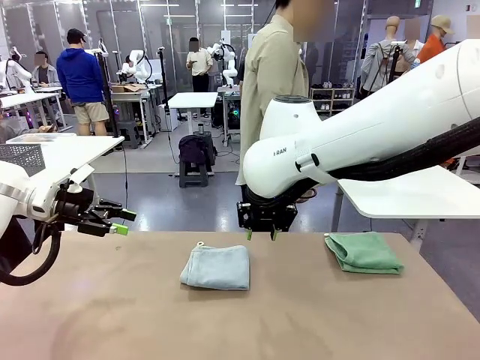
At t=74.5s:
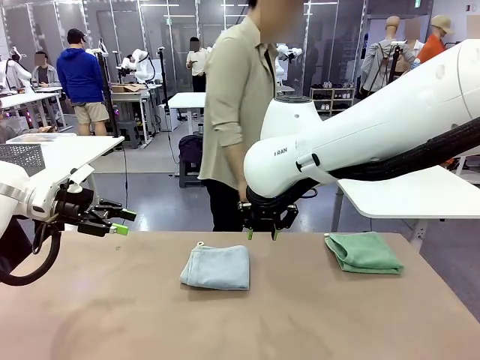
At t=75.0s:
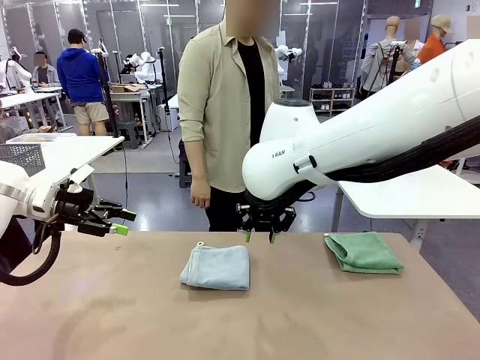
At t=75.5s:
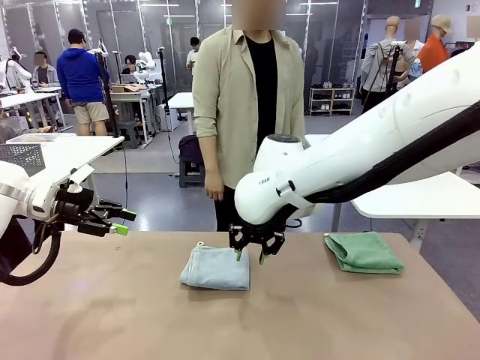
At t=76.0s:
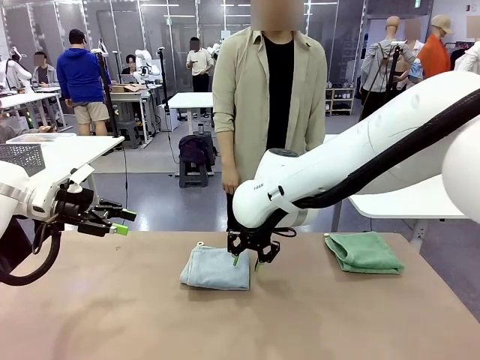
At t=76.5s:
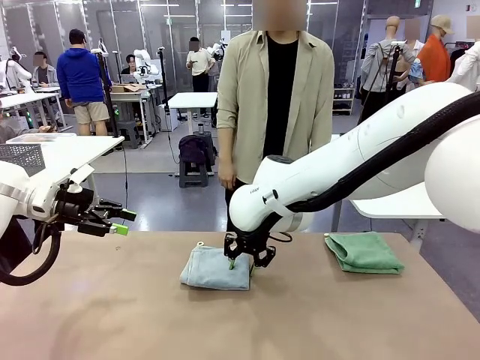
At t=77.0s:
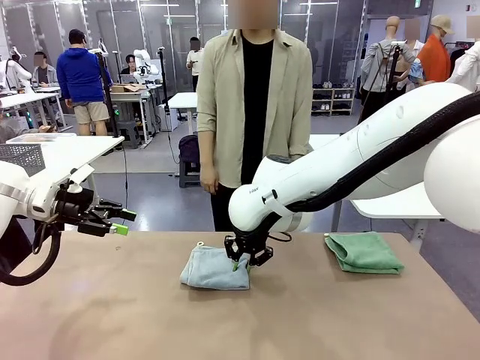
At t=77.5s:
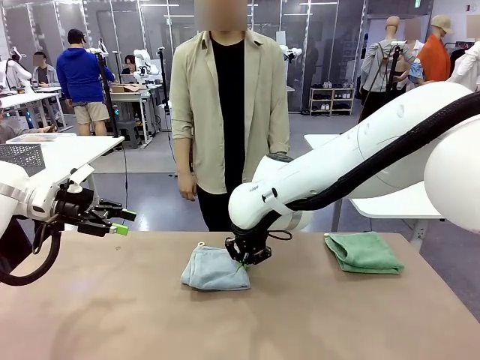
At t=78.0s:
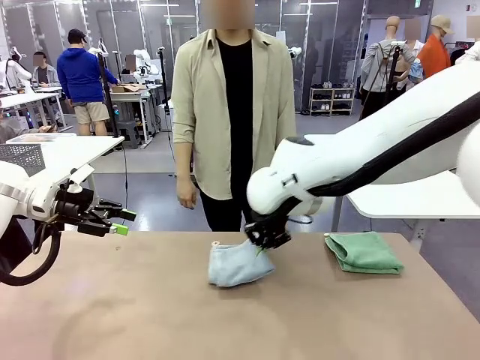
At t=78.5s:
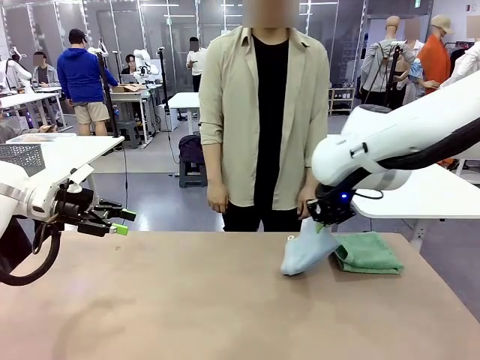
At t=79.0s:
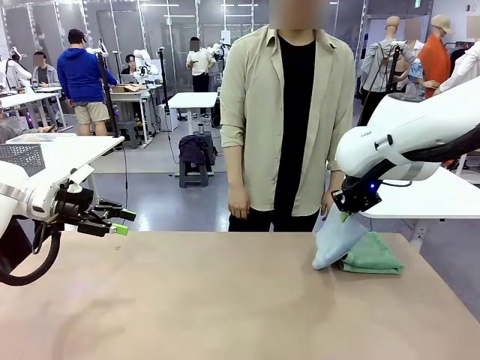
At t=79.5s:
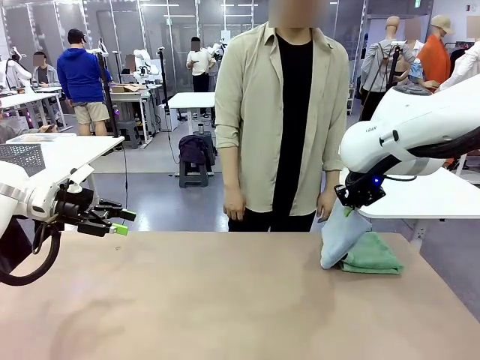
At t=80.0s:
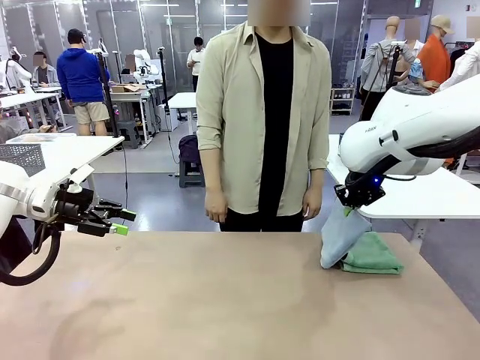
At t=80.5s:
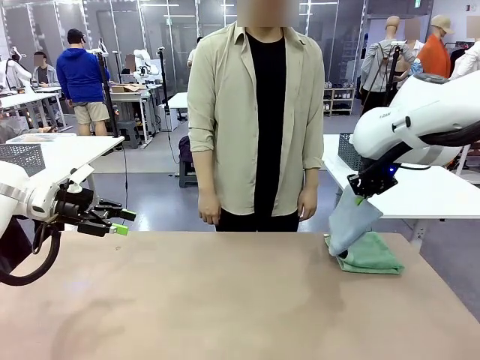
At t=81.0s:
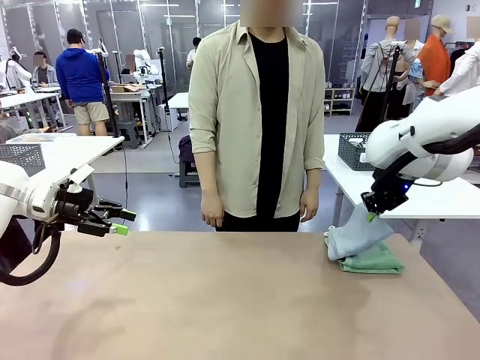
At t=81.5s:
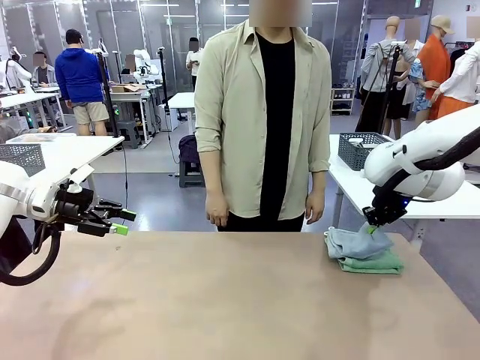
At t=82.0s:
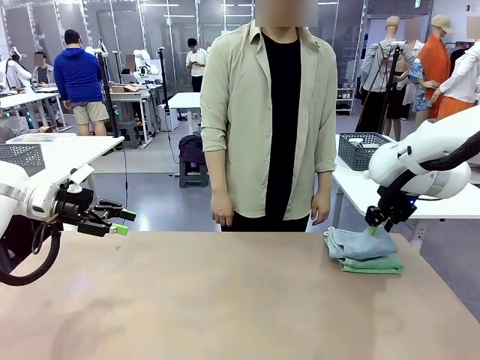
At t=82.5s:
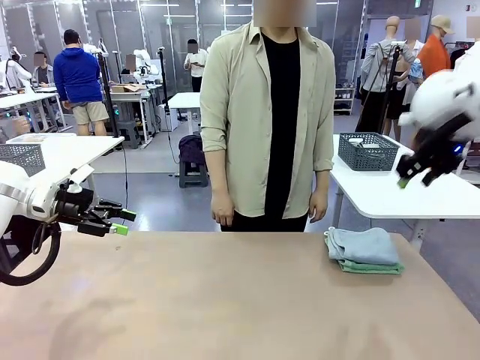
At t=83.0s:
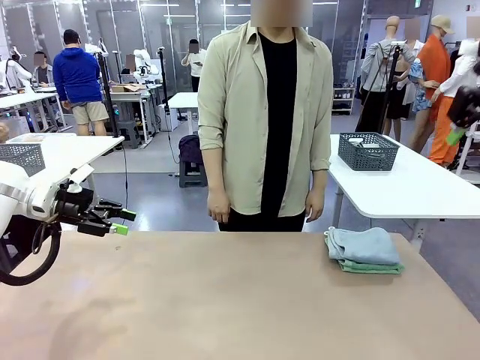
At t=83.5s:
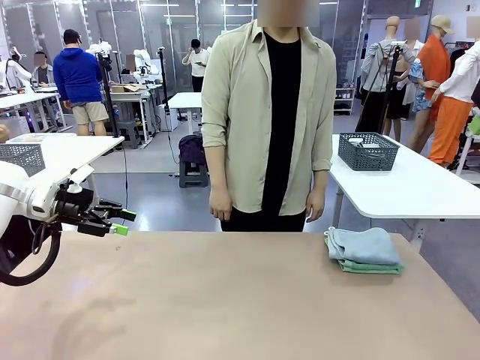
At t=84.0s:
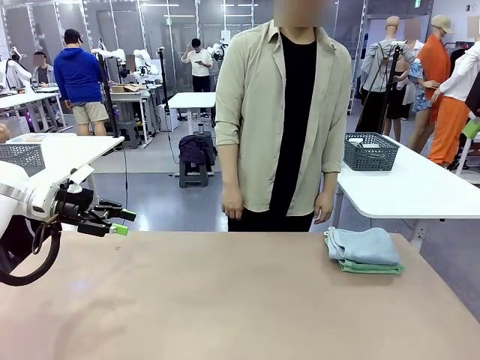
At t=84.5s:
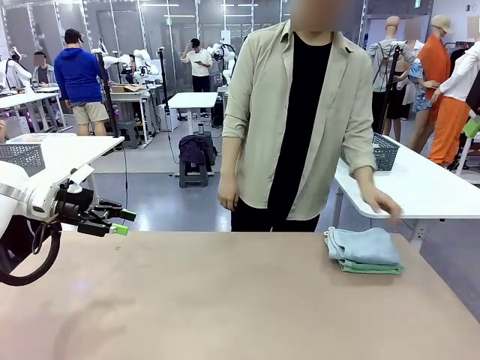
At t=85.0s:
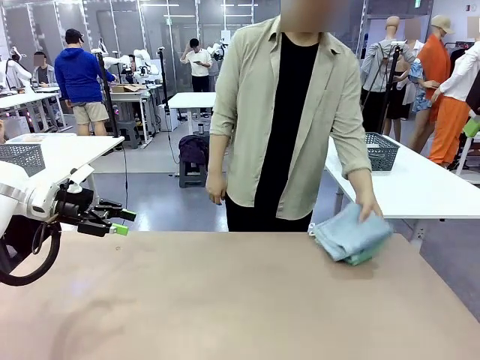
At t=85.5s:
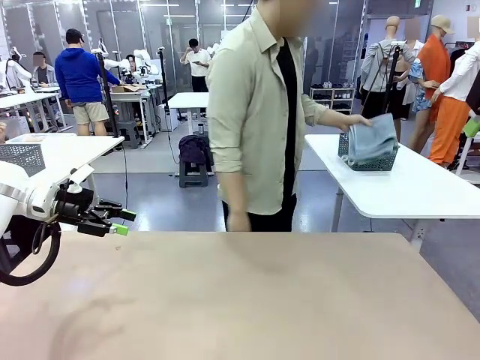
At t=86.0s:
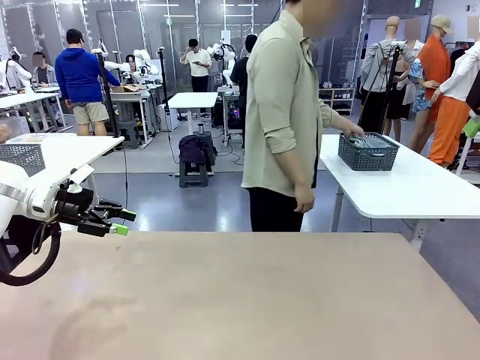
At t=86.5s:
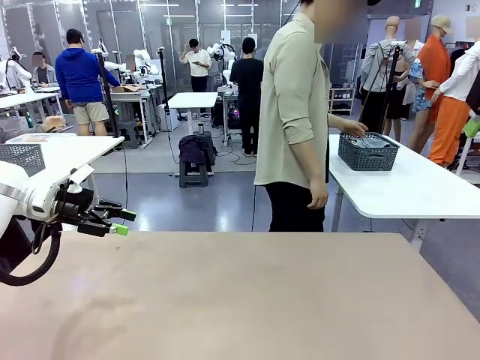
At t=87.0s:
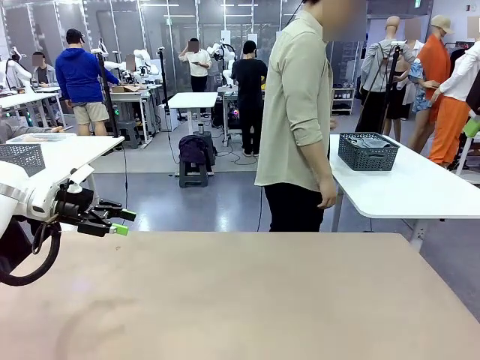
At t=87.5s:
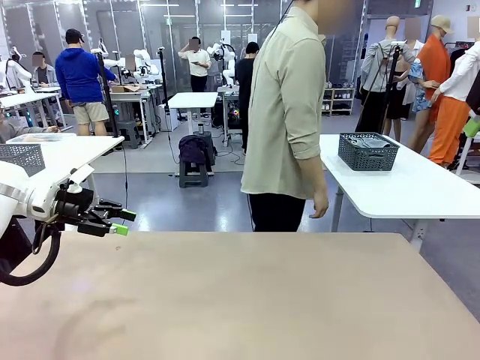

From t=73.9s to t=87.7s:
Task: Fold the towels and place them in the basket.
Robot: Stack the folded Towel with hook on the right side of the table.
Person: Pick up the stack of towels from the robot table and place it into the basket.

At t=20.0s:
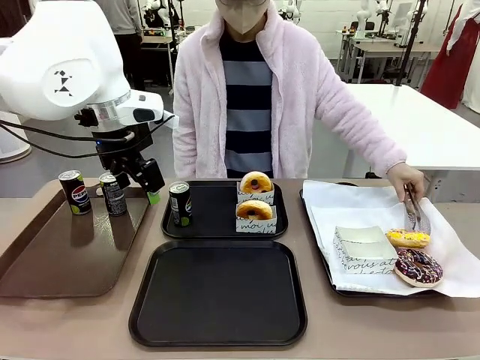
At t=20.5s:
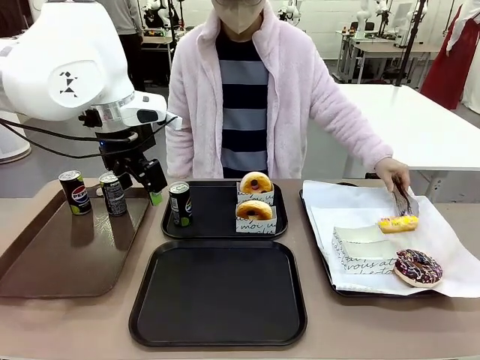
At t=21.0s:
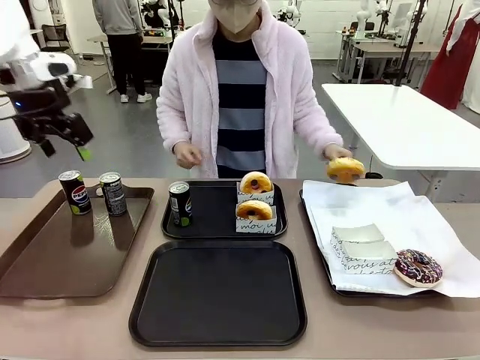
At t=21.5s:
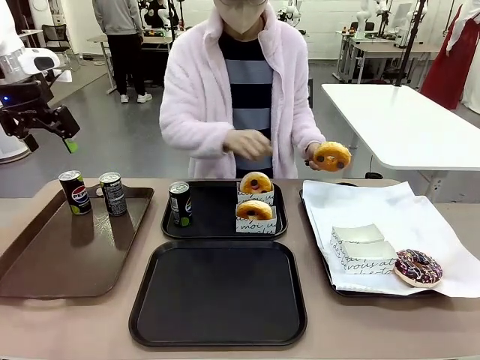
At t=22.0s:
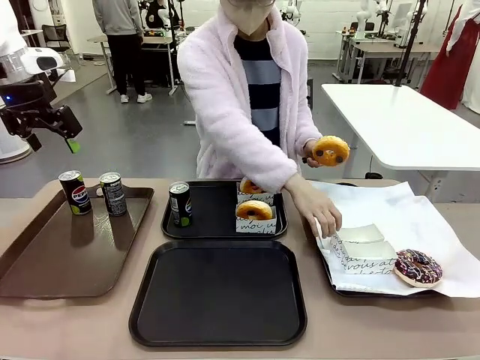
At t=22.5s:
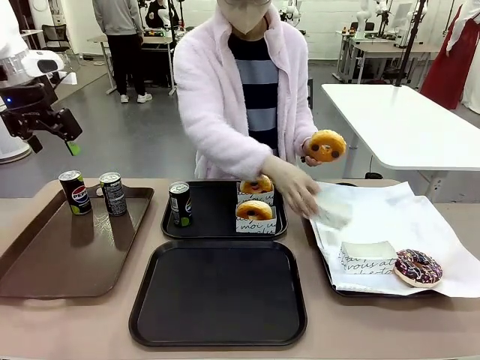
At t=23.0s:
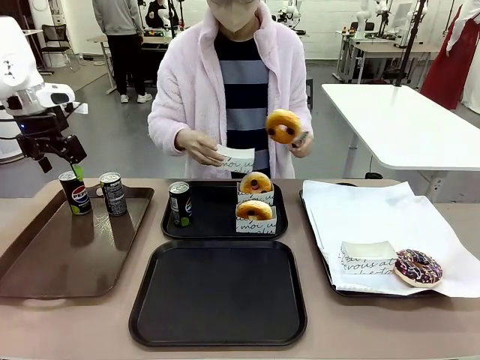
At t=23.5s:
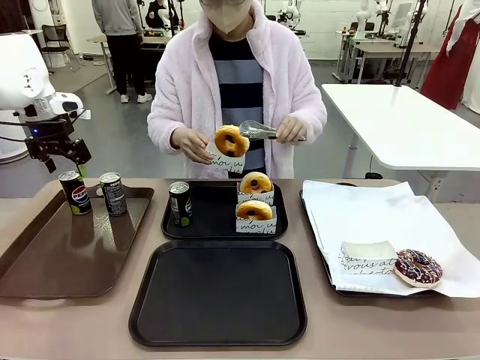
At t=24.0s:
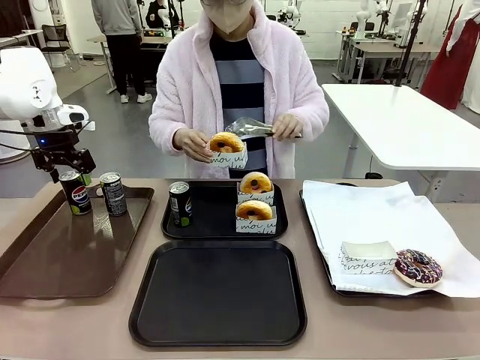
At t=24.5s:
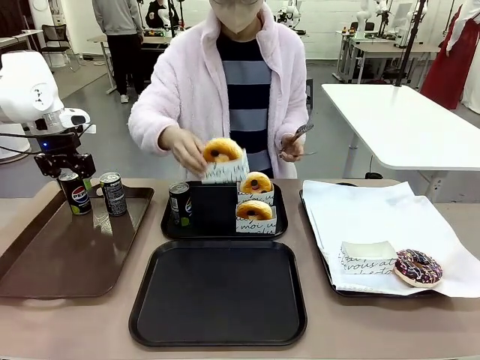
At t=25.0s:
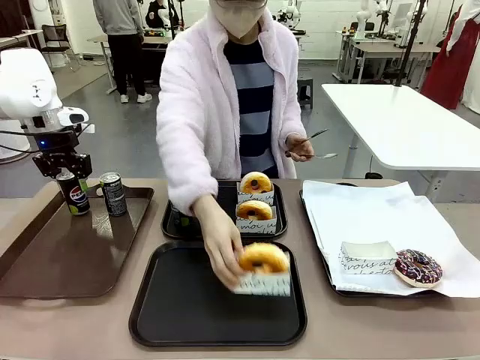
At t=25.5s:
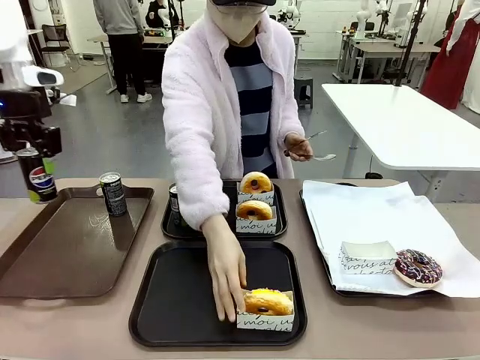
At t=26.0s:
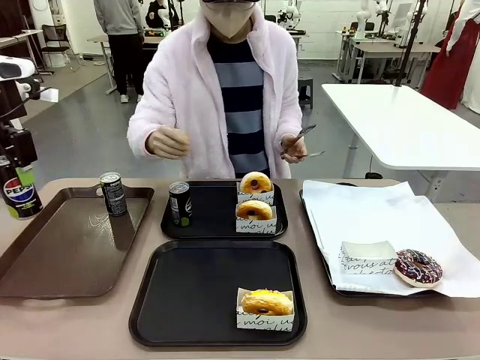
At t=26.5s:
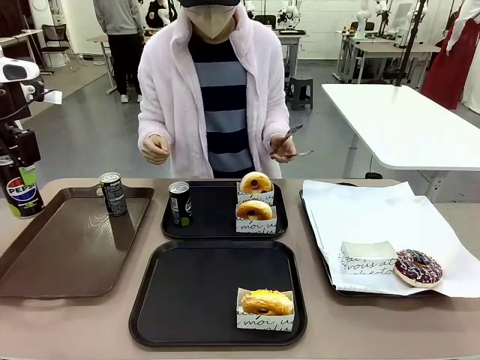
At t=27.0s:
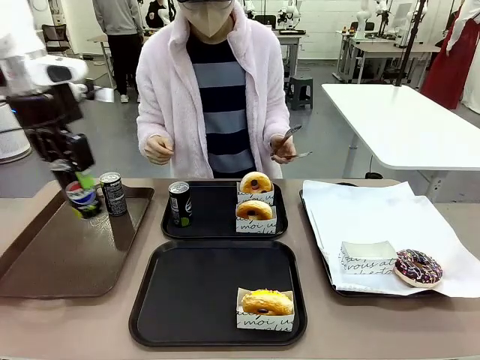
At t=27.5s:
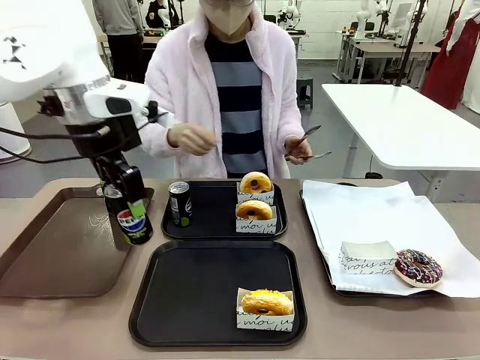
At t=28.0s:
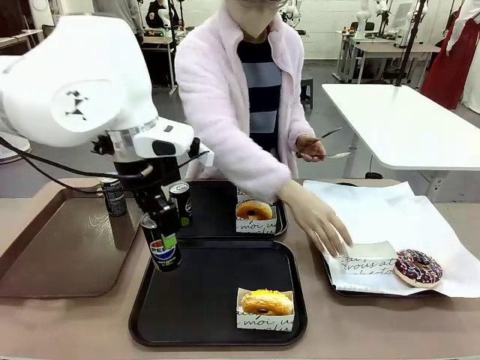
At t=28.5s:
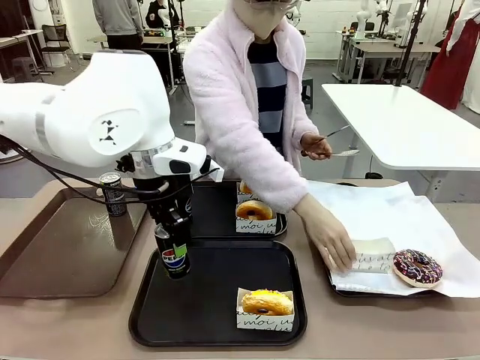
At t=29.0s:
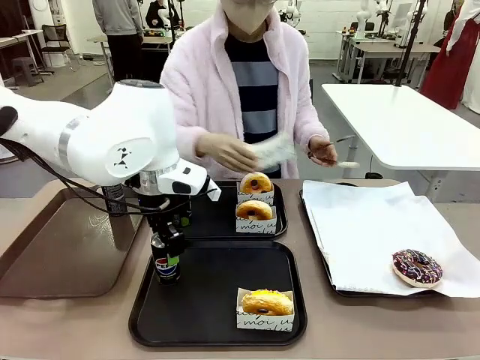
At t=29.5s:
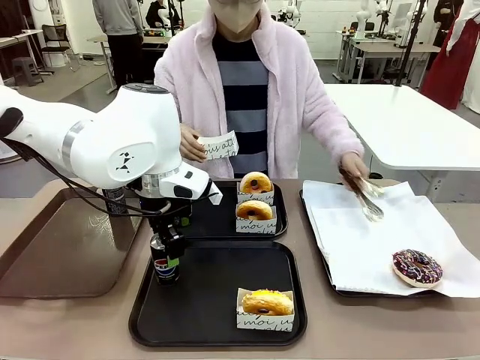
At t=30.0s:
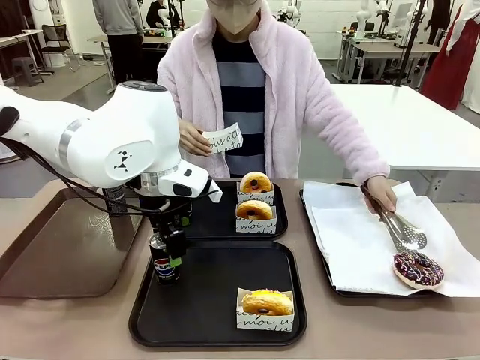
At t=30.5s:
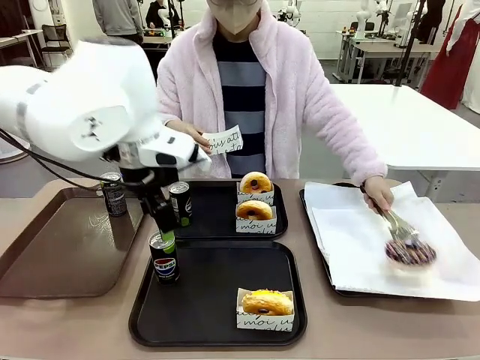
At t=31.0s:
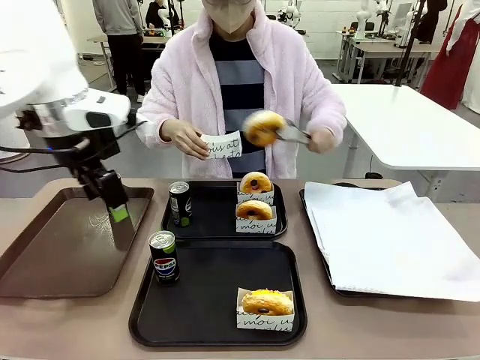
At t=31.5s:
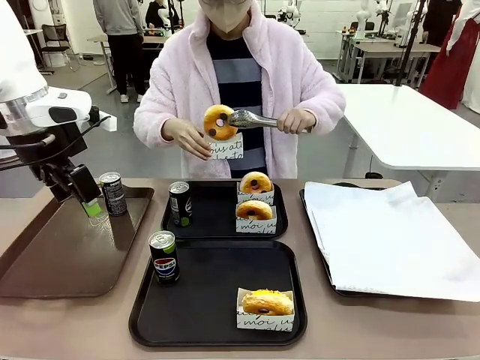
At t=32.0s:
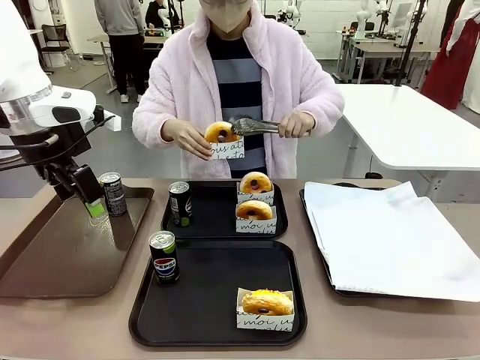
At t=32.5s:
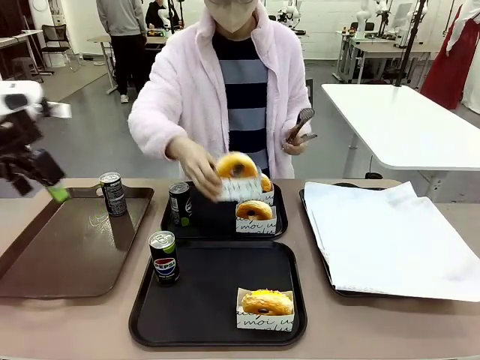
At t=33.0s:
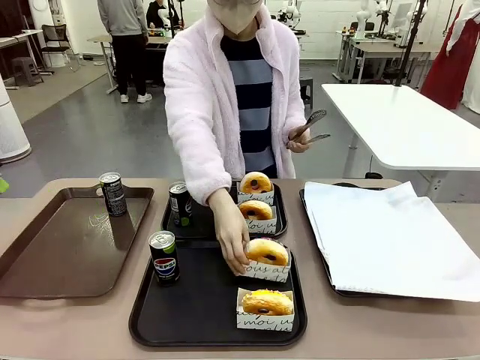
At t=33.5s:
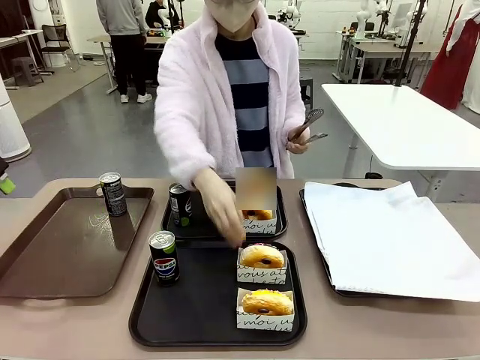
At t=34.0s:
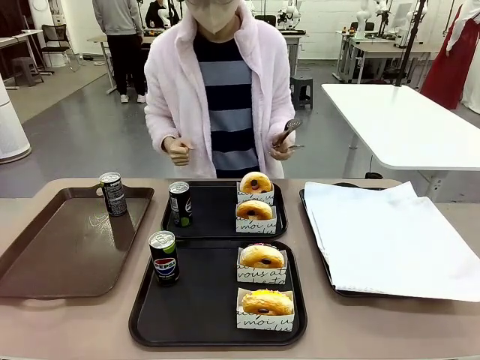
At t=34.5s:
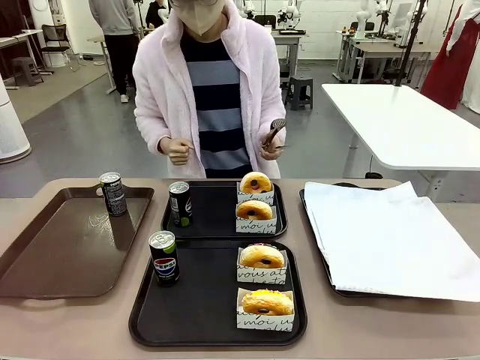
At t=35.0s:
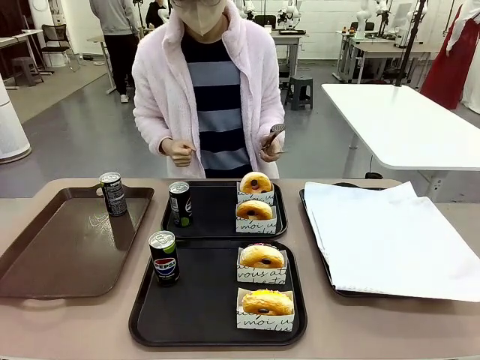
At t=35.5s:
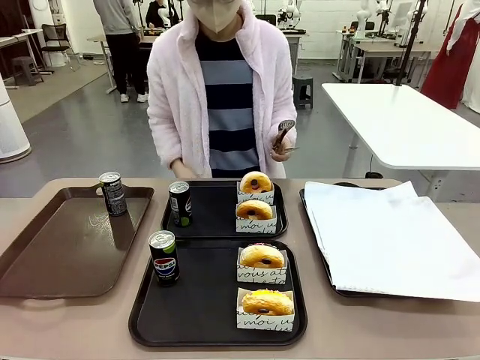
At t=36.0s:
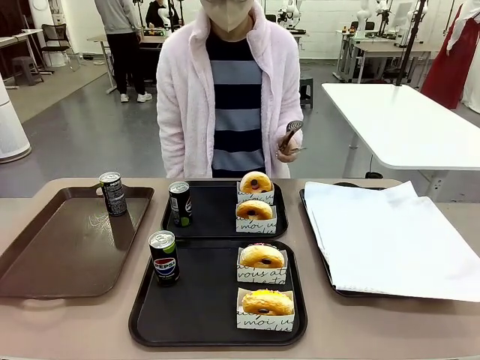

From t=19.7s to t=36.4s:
Task: Set up donuts and drinks on trays.
Robot: Pick up one Pepsi coke from the Handle tray and place it on the Flat Tray without a Pepsi coke.
